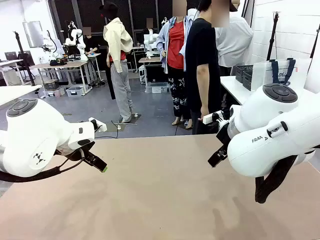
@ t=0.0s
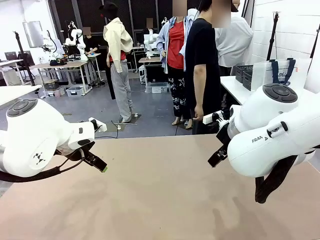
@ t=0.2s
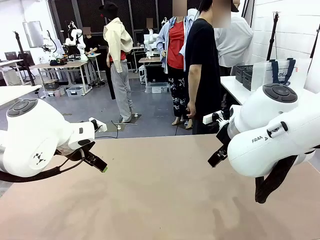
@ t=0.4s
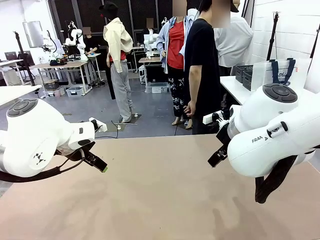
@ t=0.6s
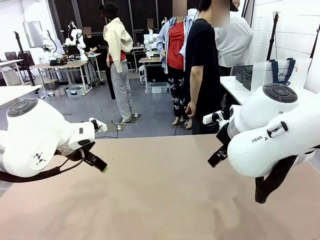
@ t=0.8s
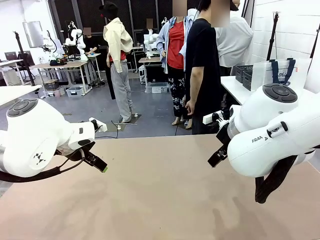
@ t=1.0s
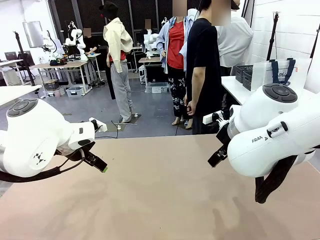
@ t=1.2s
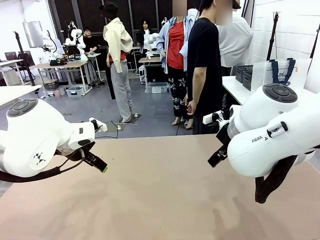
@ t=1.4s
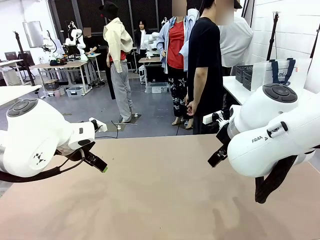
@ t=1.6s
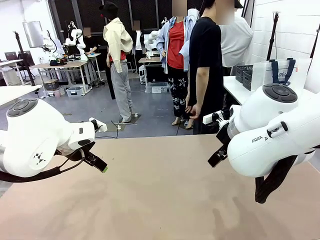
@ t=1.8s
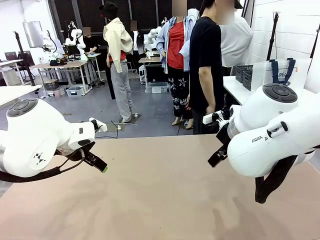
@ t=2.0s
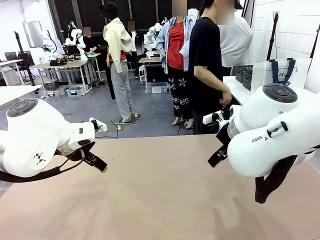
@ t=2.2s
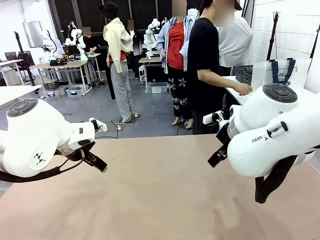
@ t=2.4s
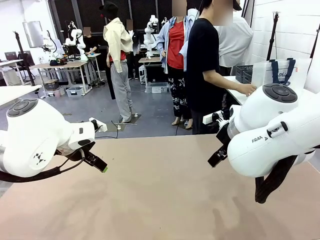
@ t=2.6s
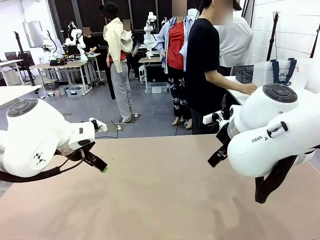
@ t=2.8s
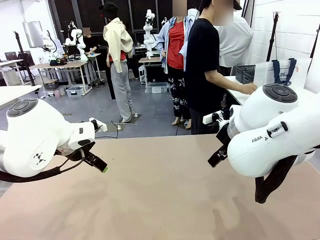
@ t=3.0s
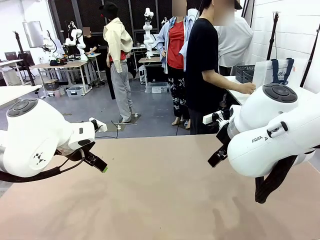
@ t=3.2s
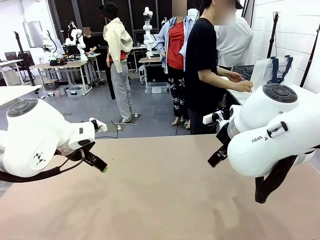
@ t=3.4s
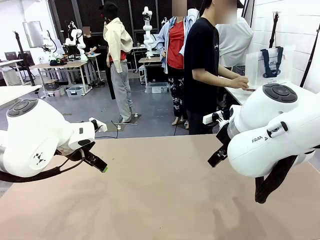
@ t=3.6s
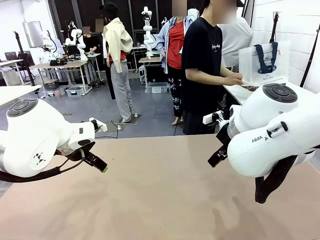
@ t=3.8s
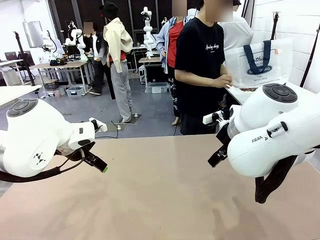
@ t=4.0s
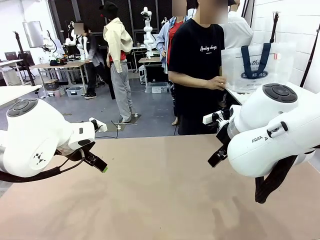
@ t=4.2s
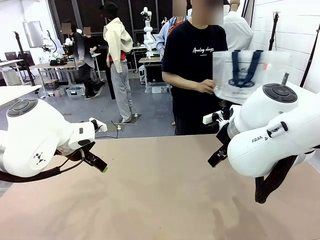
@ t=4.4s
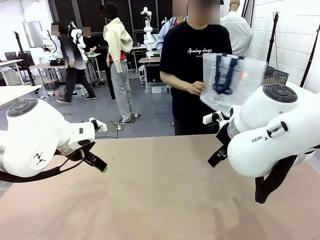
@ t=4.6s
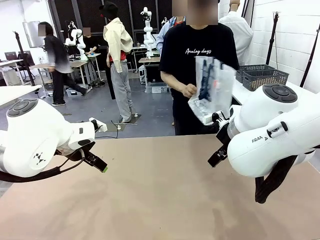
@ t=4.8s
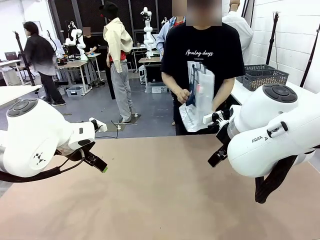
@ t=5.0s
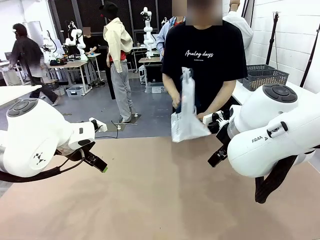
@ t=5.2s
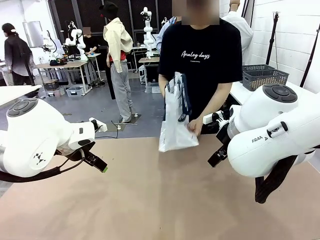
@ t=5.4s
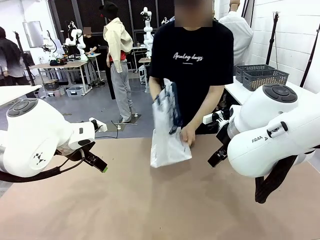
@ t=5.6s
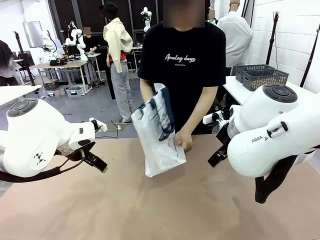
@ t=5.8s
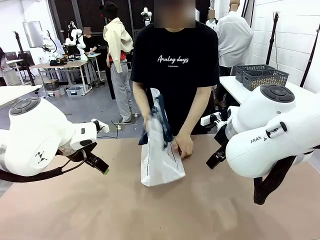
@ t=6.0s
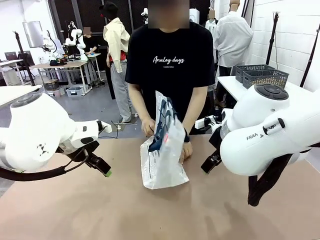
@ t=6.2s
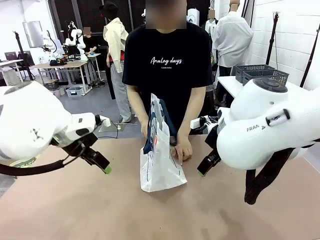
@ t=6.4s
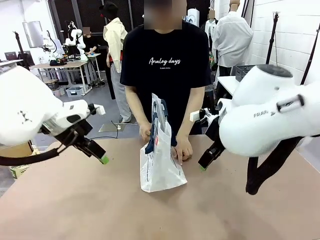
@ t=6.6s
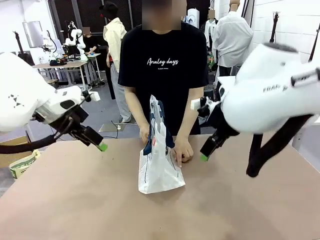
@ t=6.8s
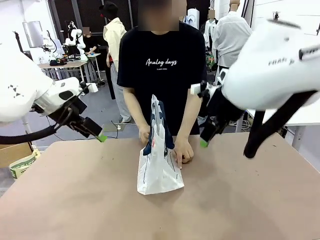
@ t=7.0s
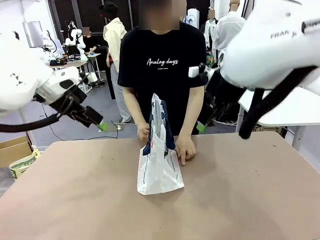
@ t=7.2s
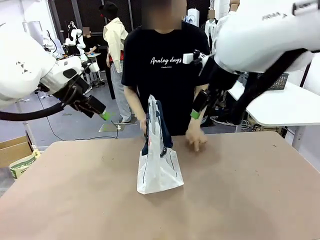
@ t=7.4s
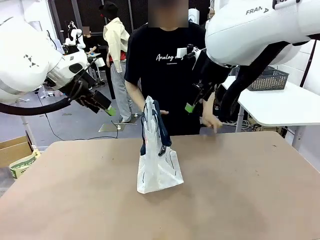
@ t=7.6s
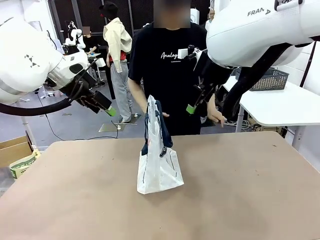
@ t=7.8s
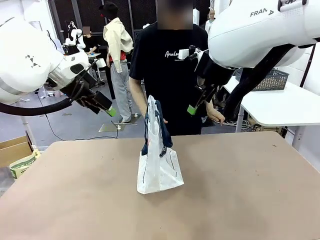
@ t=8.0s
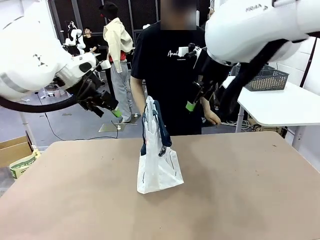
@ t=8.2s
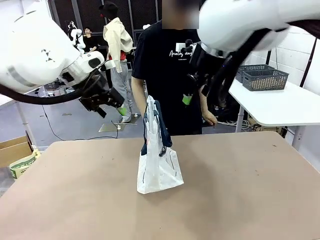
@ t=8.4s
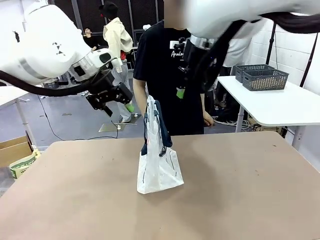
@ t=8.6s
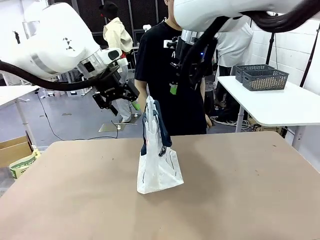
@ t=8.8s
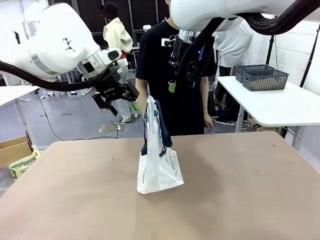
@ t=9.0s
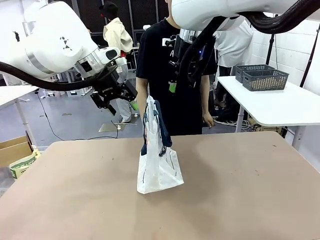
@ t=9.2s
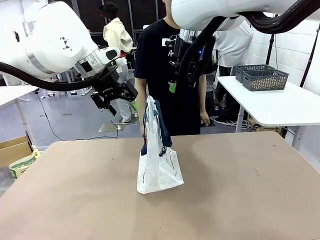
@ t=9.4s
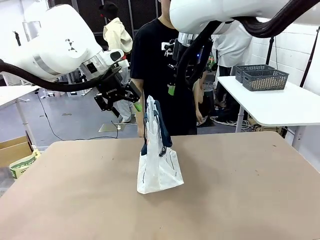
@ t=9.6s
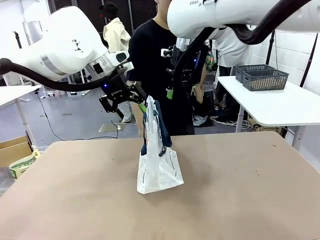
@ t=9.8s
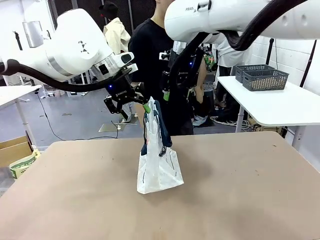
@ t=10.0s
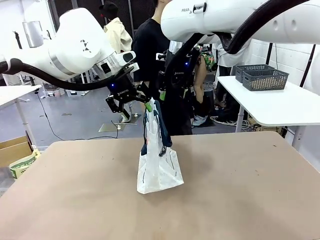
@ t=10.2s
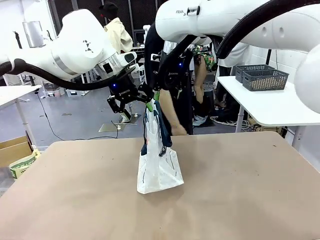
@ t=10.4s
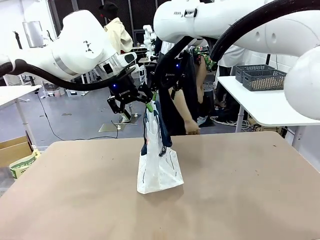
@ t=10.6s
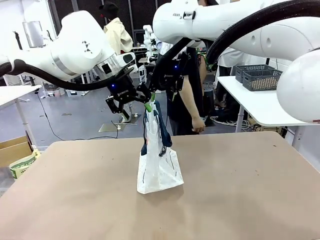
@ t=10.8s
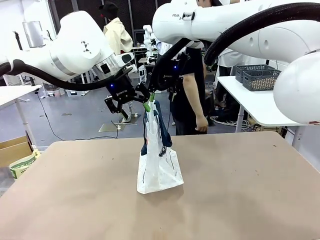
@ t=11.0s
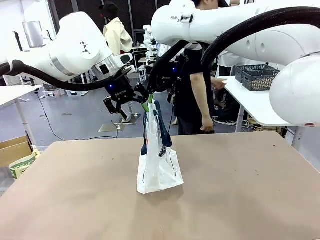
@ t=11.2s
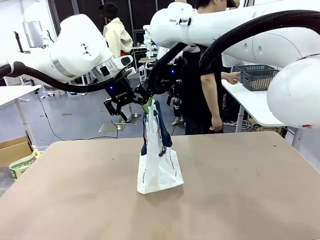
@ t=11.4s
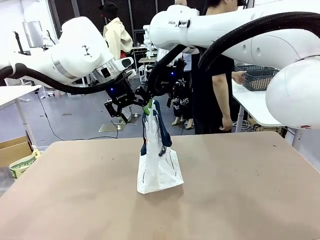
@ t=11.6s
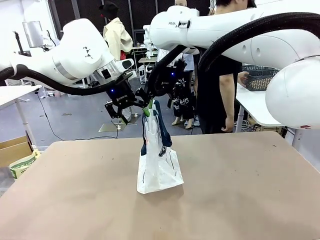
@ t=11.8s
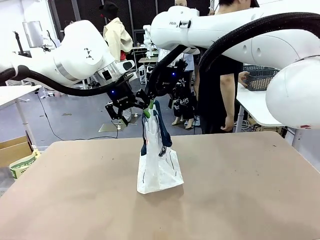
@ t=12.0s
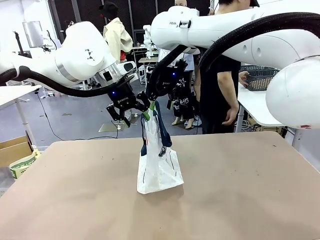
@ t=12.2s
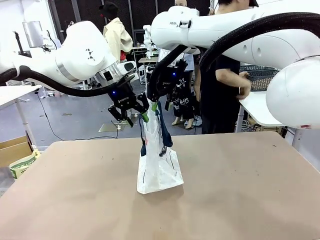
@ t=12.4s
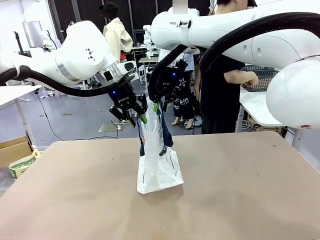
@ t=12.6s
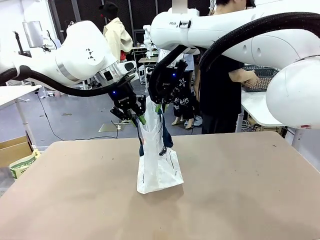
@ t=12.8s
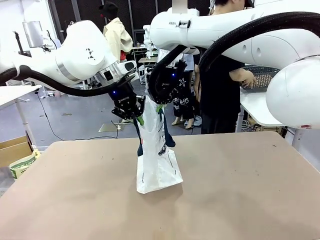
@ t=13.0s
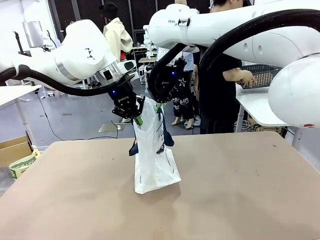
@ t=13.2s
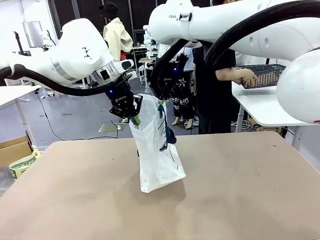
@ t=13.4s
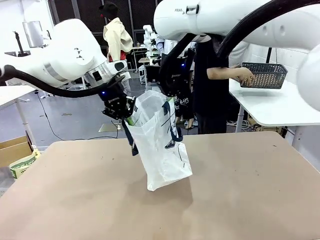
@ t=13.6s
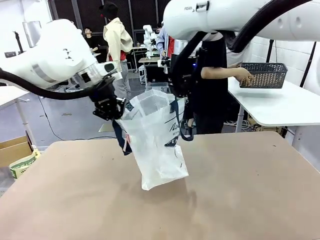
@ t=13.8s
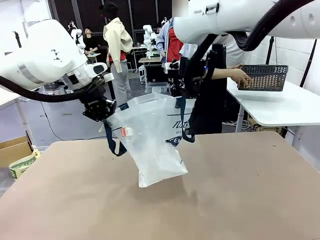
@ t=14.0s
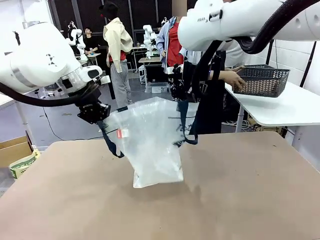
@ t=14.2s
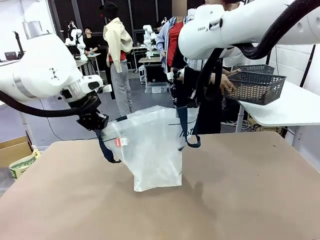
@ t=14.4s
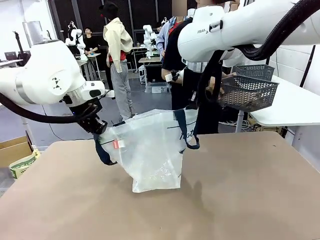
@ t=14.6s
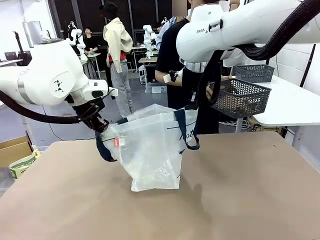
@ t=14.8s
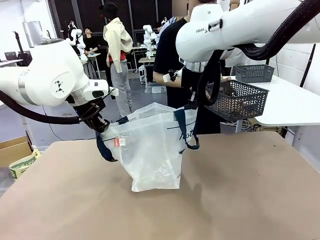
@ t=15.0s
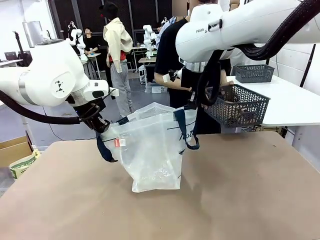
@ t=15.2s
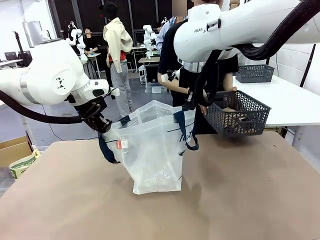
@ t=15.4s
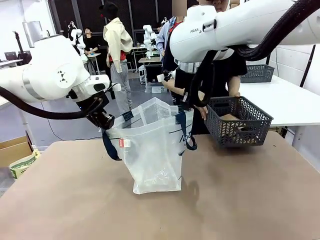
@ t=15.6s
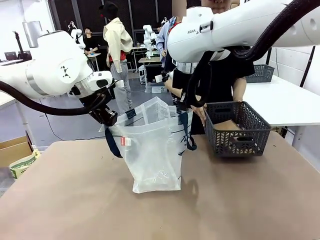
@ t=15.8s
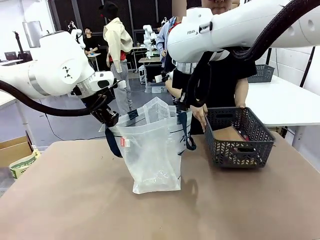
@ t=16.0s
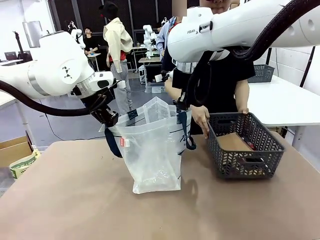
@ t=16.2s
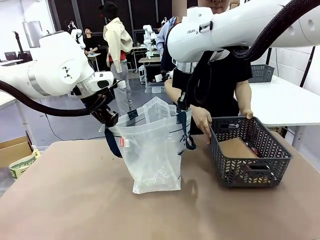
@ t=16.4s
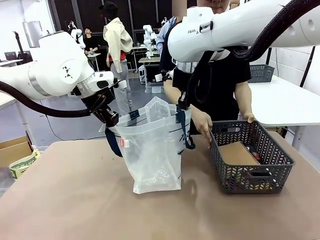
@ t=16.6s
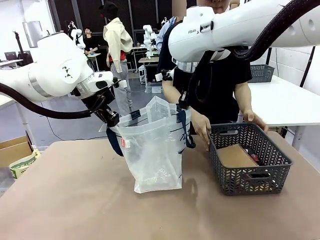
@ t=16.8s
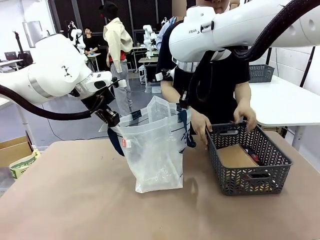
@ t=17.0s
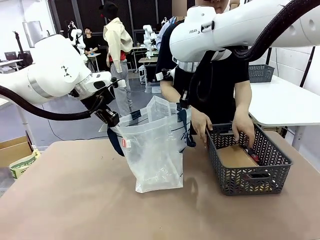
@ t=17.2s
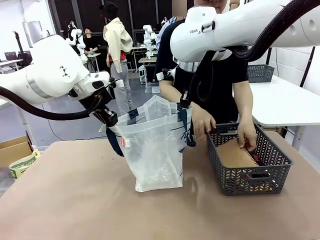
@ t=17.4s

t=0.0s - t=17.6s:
Task: Transfer purchased items from the store into the shopping bag.
Robot: Open the Reusable shopping bag in the center of the table.
Person: Pick up the shopping bag and place it in the middle of the robot table.
